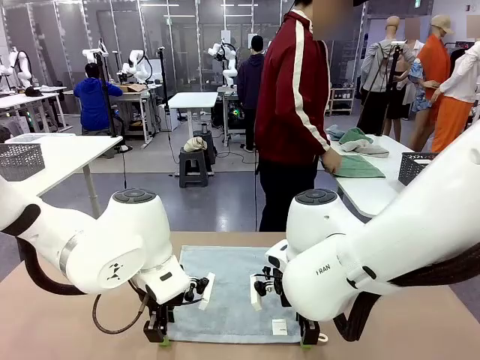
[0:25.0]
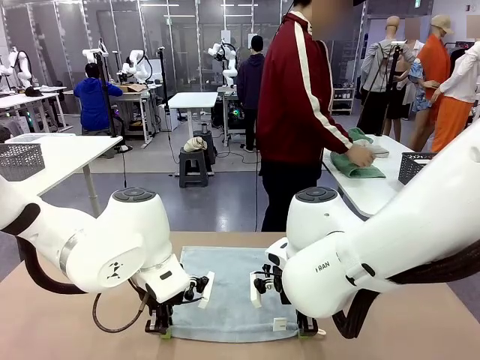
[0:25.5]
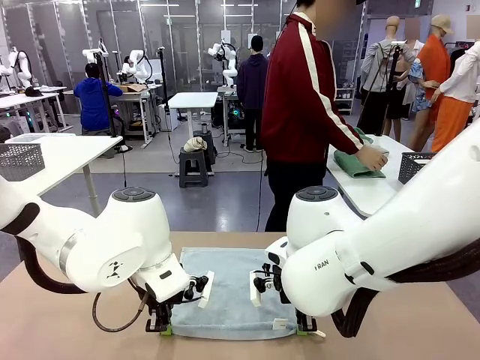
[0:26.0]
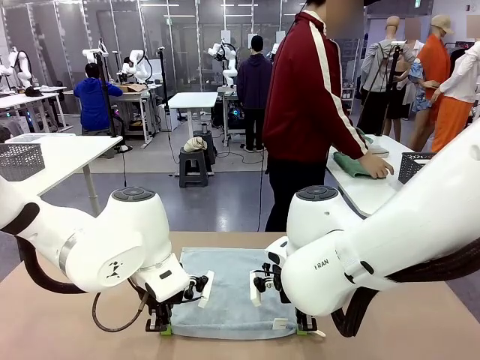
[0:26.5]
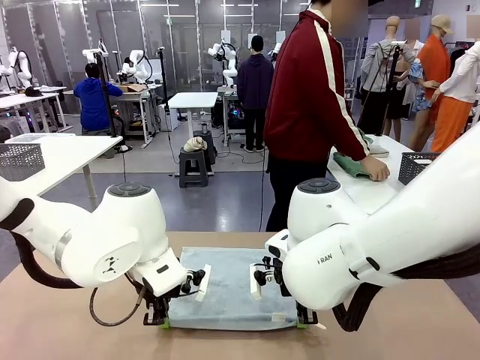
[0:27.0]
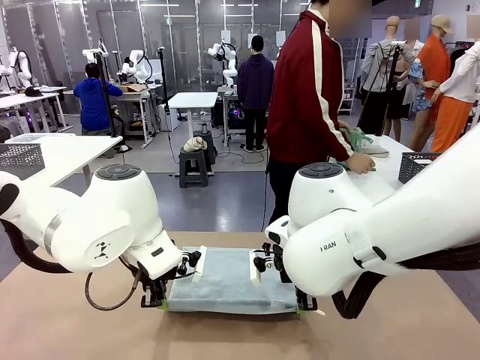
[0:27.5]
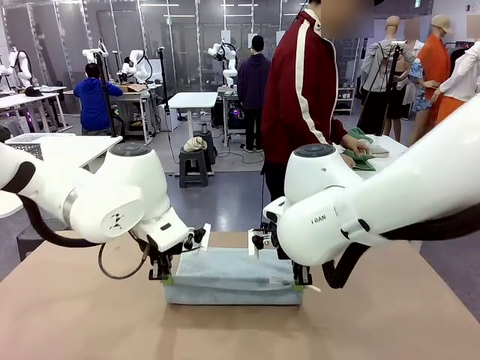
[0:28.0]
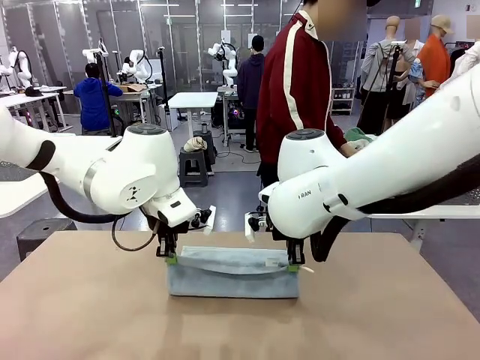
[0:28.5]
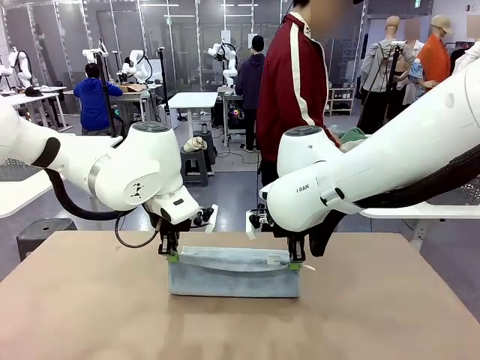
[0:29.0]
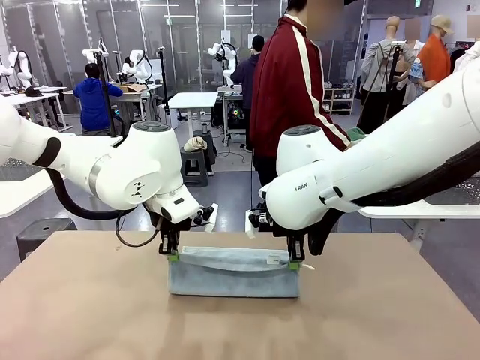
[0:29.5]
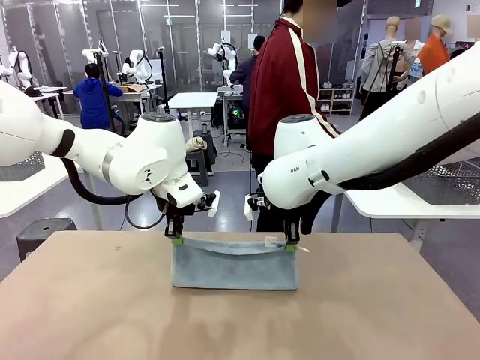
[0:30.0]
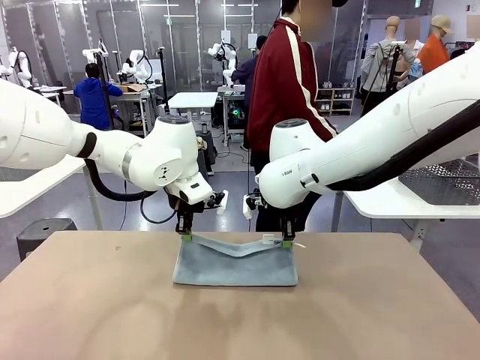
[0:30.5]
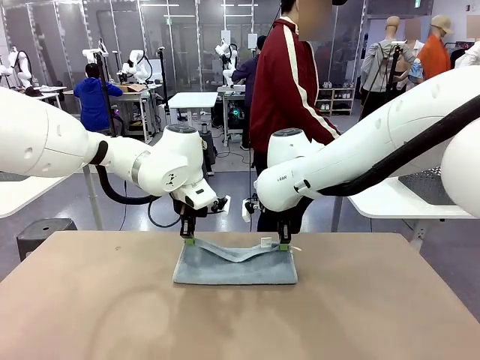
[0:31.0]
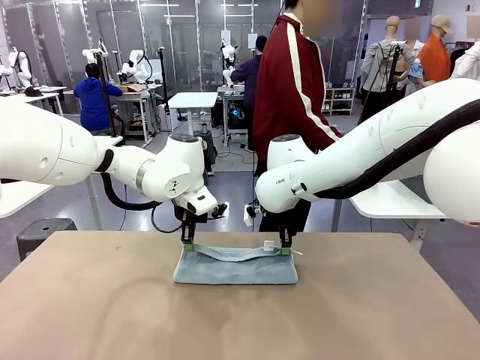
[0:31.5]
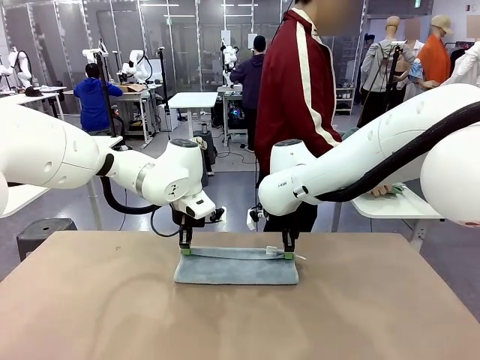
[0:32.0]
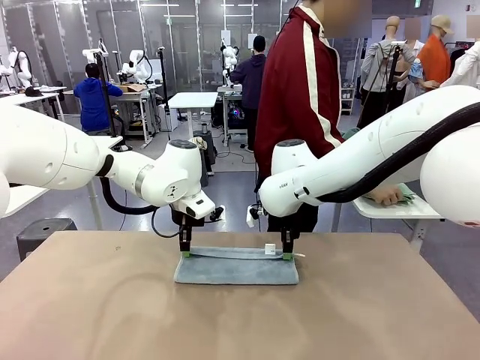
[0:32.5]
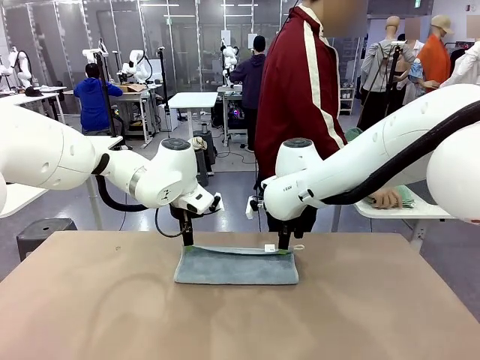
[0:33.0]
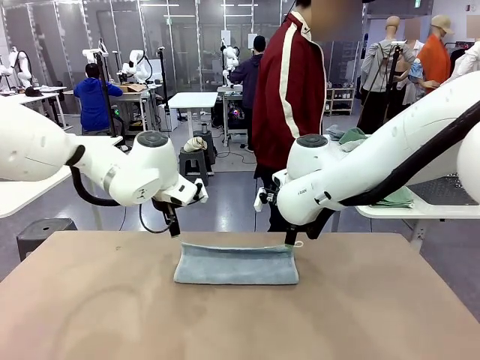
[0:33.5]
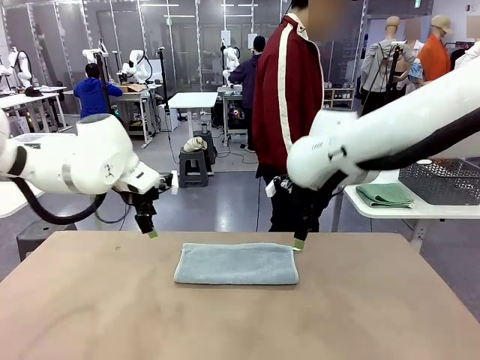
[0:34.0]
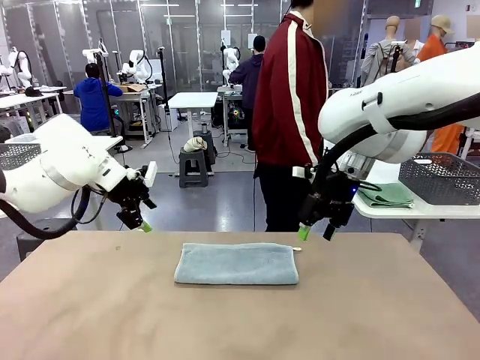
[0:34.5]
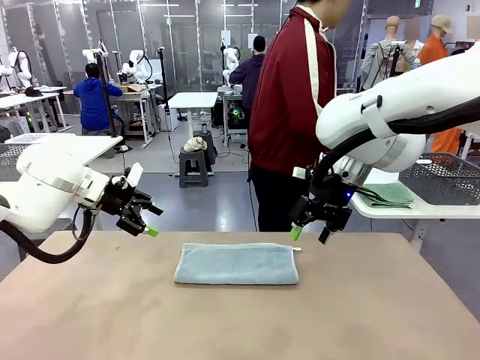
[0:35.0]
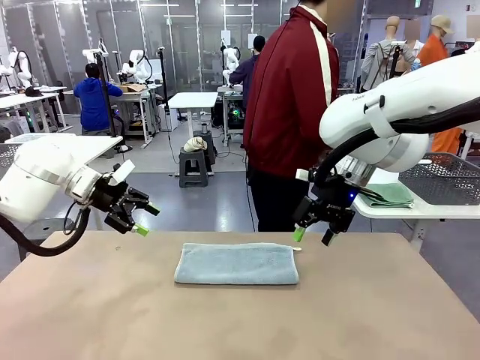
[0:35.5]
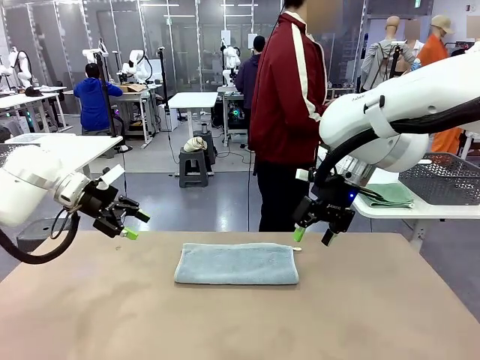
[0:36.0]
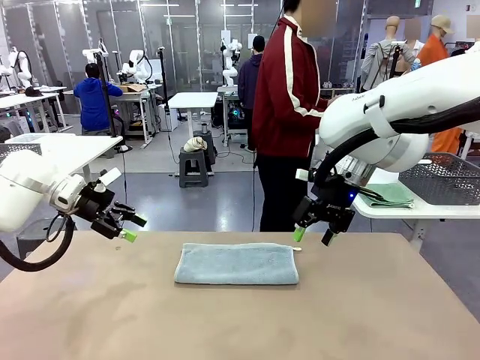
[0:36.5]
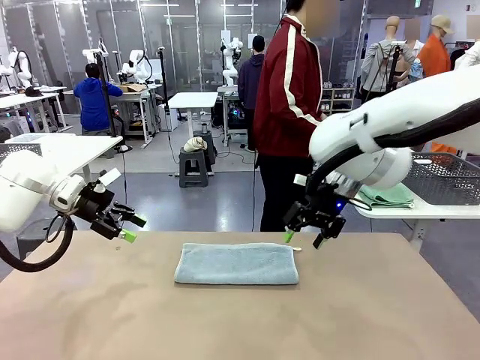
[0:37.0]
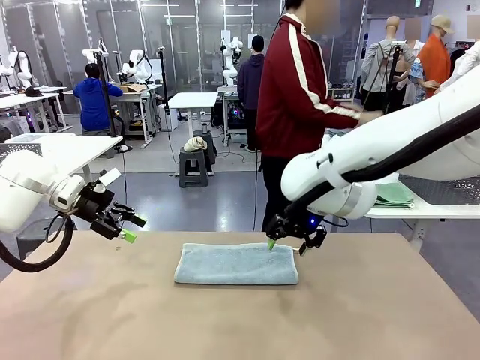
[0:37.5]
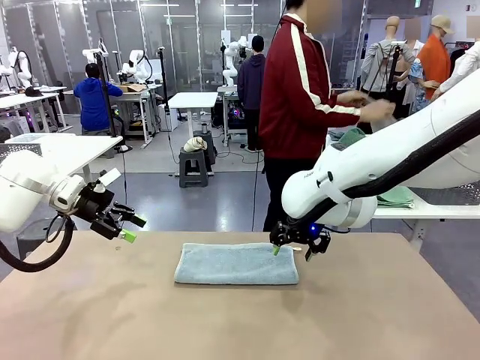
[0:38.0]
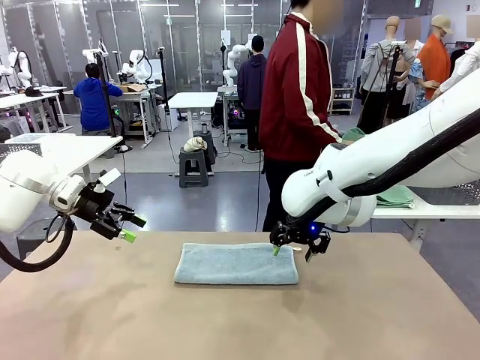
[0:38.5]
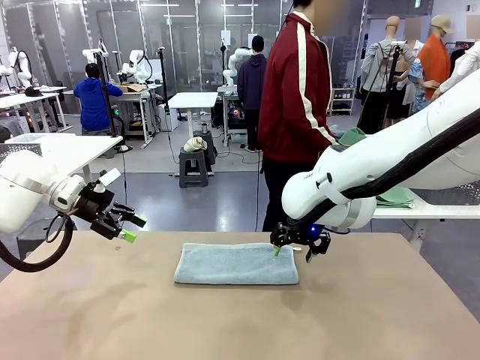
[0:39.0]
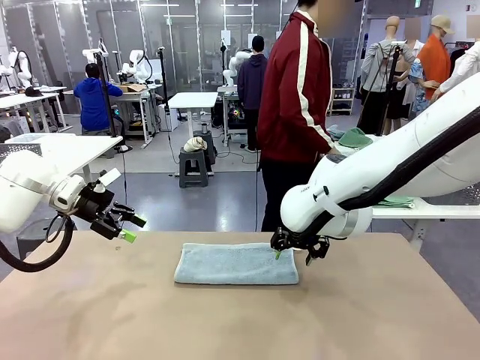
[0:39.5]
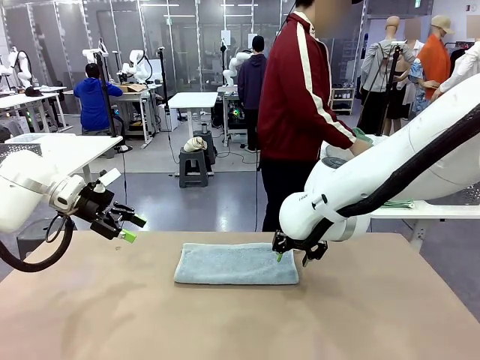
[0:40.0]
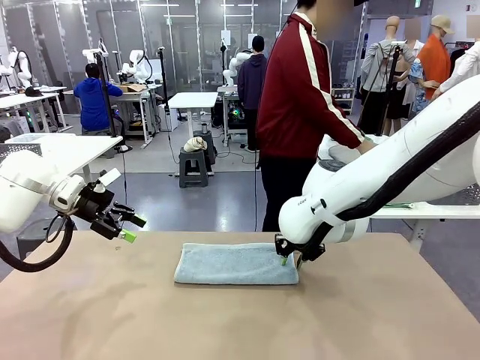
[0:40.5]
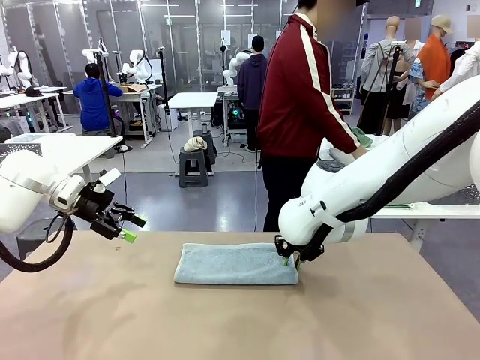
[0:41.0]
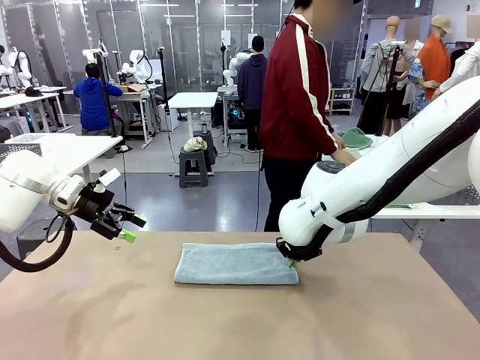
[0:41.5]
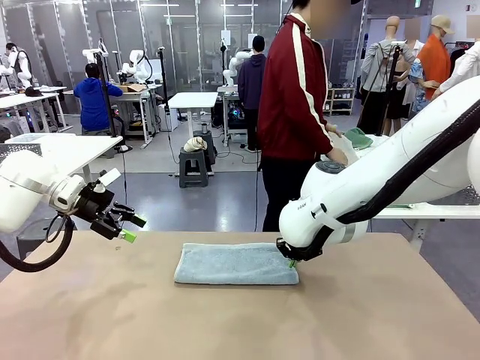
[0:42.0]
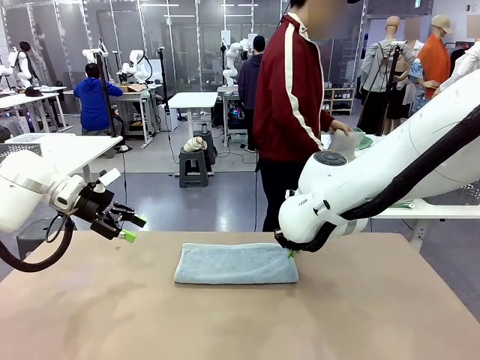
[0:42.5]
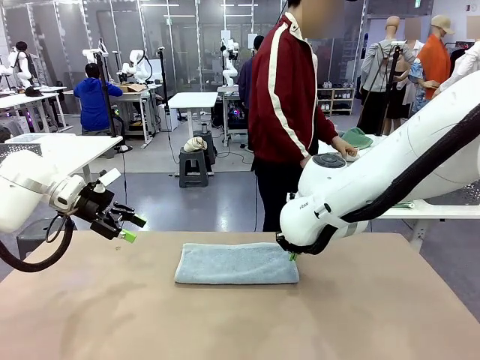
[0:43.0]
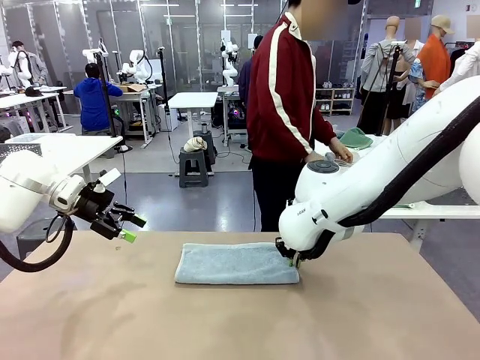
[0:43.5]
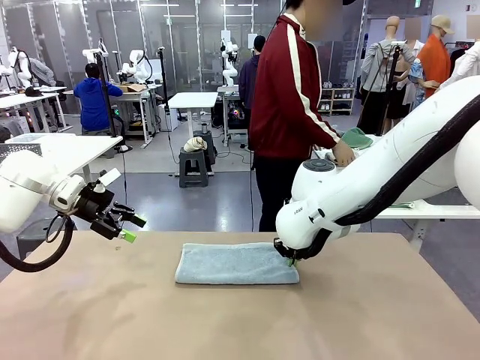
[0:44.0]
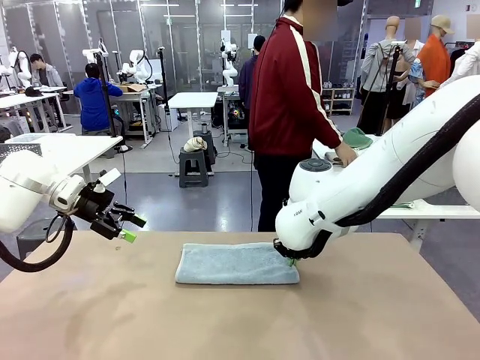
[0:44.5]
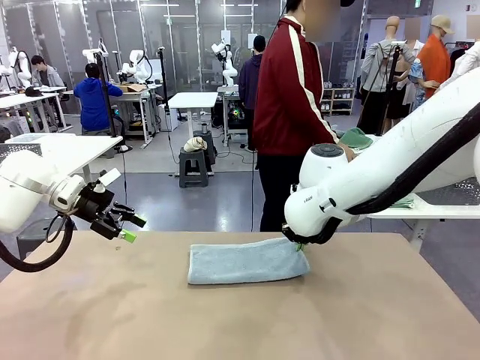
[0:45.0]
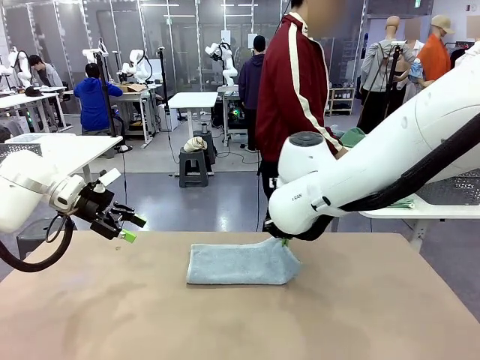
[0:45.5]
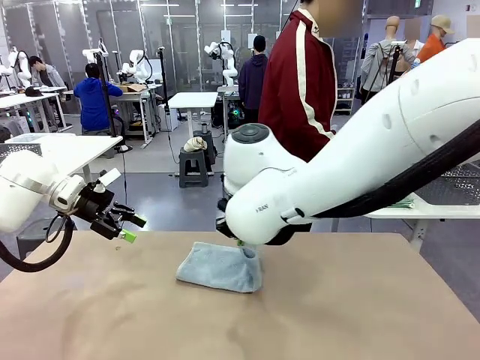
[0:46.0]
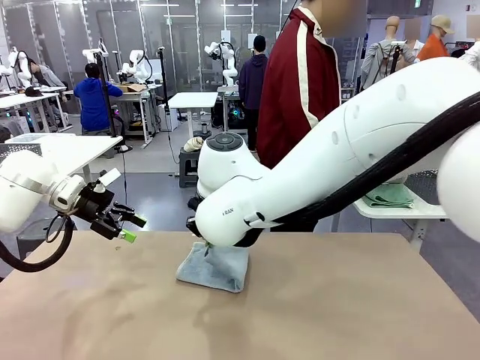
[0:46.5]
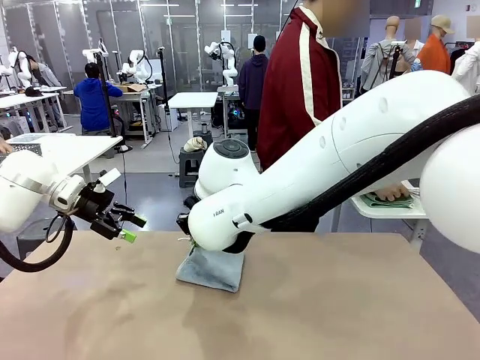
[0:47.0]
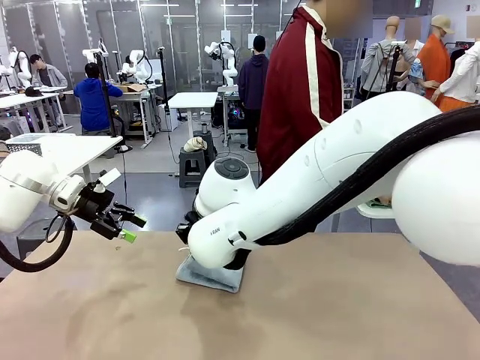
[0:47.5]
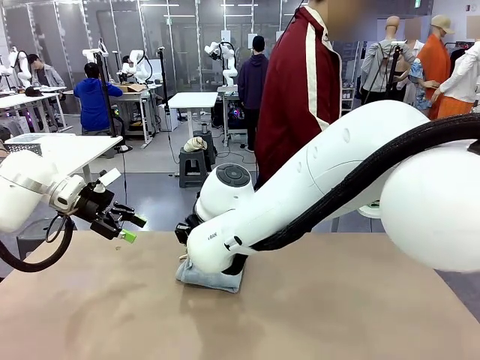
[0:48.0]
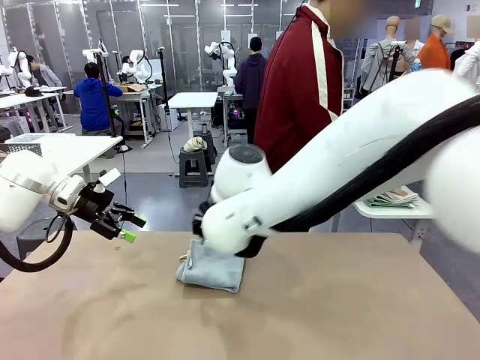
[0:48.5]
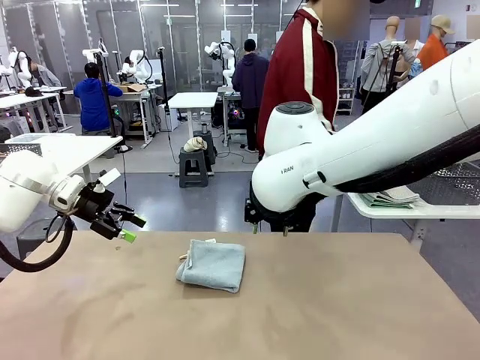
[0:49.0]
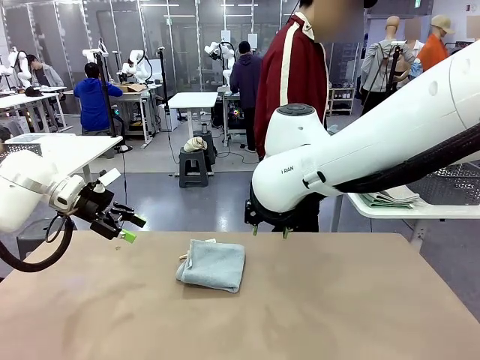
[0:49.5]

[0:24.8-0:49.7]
Task: Fold the towels and place them in the basket.
Robot: When a person lays out a Towel with hook on the table, fold it in half twice.
Person: Pick up one towel from the left side of the human table, fold it in half twice, and place it on the right side of the table. Pick up one towel from the left side of the human table, fold it in half twice, and stack it on the right side of the table.
